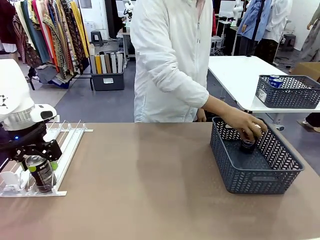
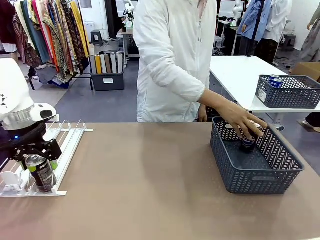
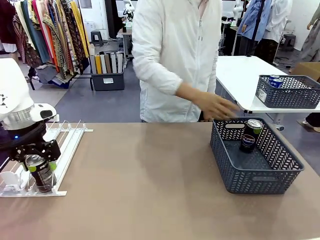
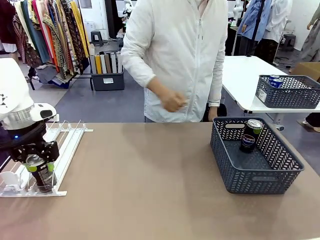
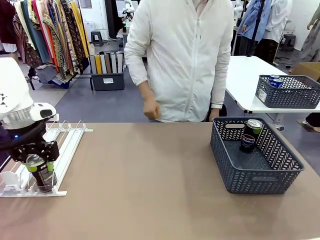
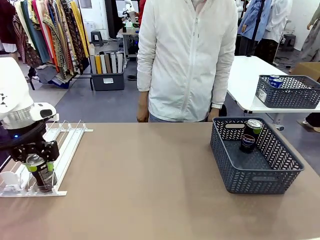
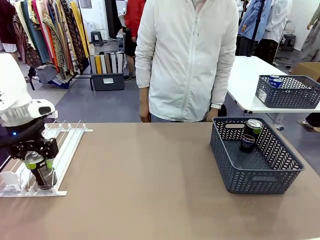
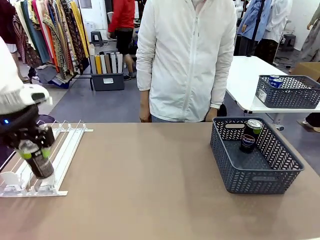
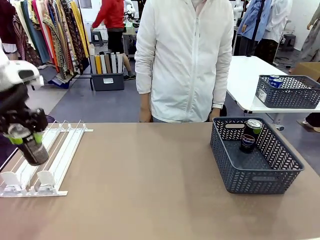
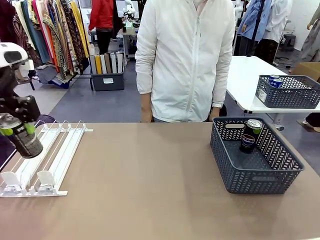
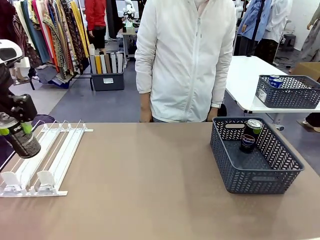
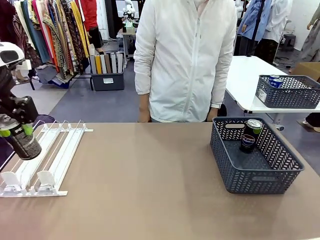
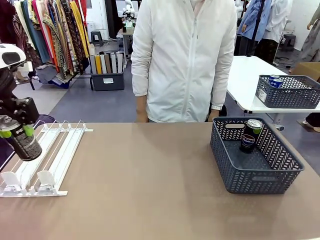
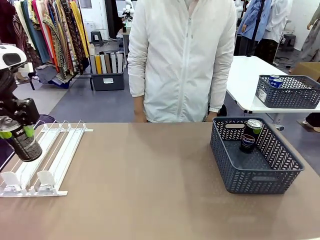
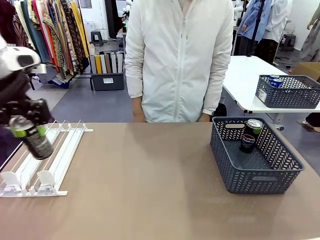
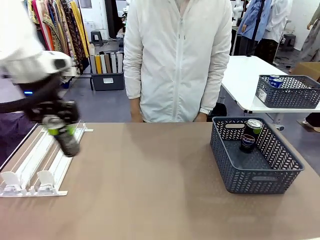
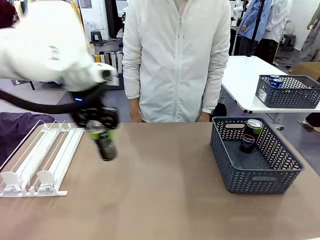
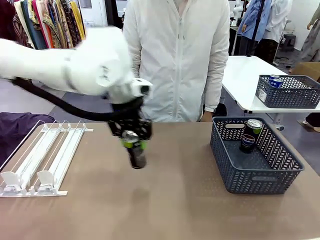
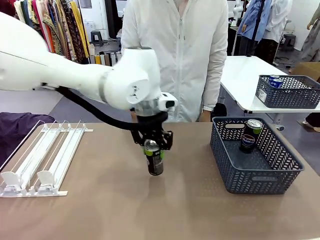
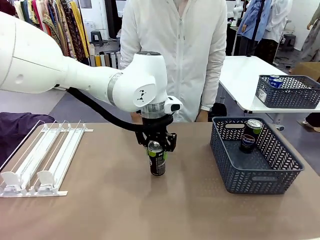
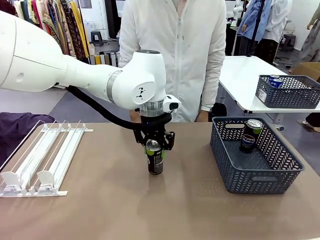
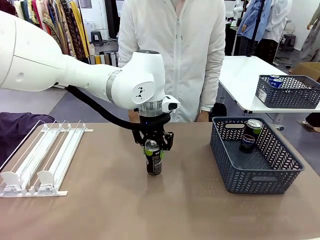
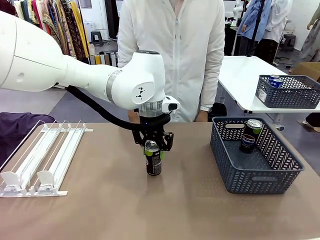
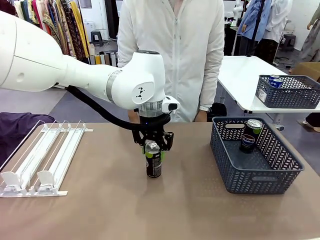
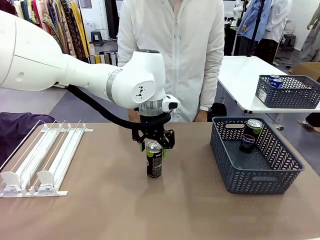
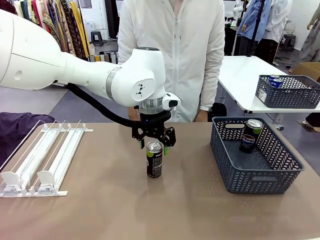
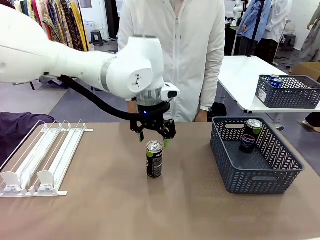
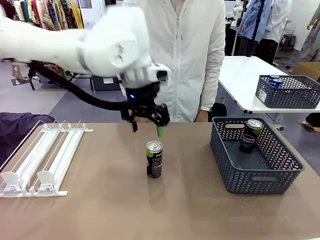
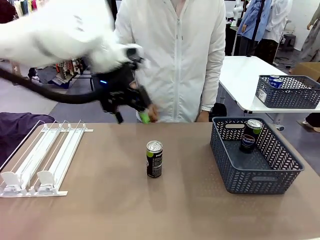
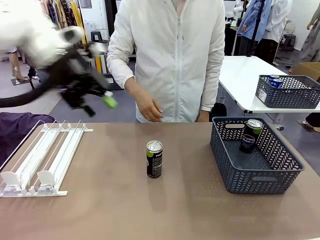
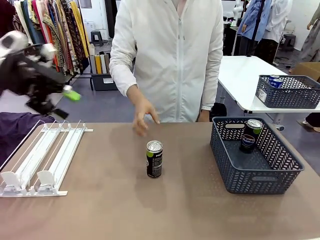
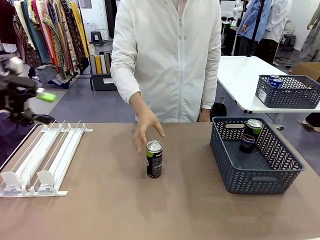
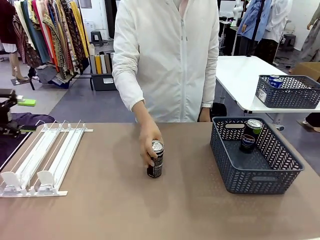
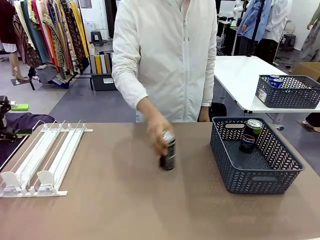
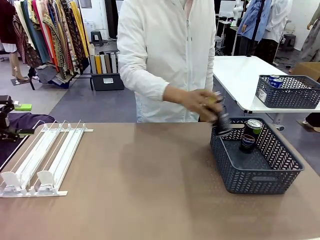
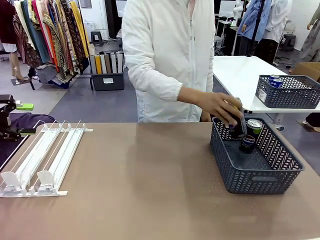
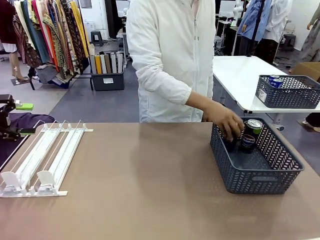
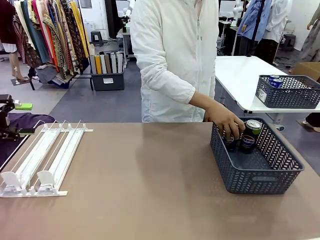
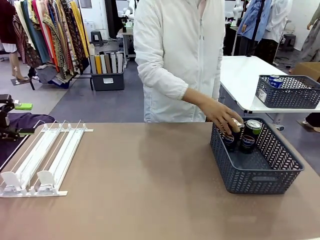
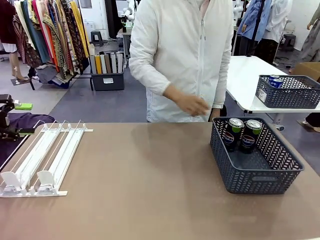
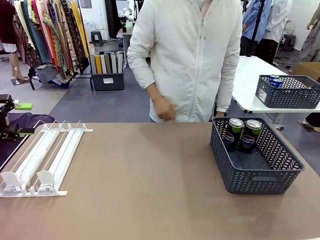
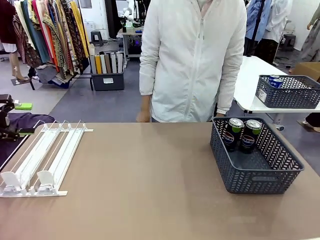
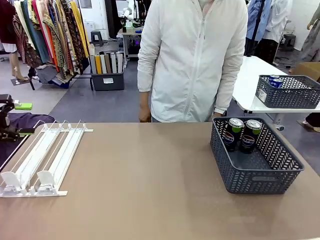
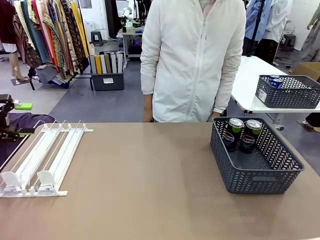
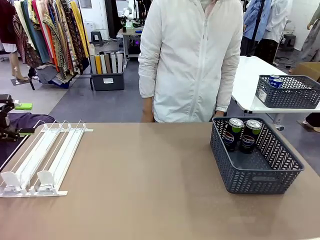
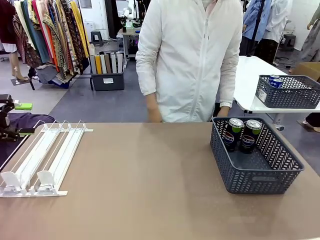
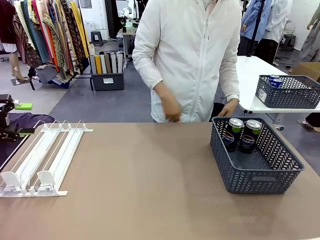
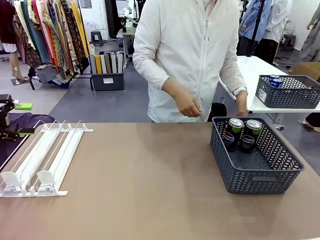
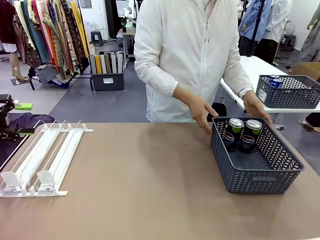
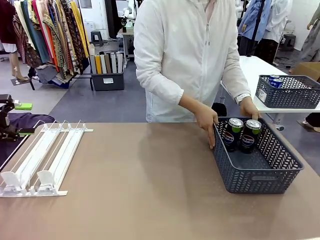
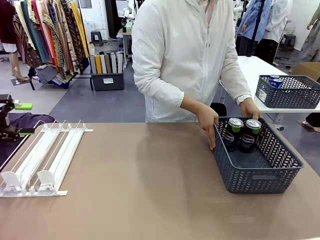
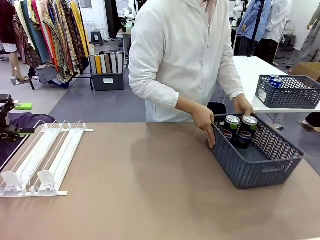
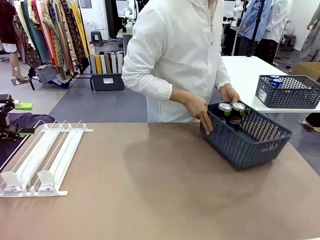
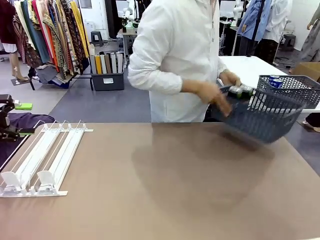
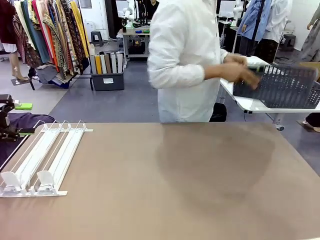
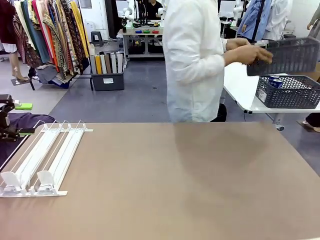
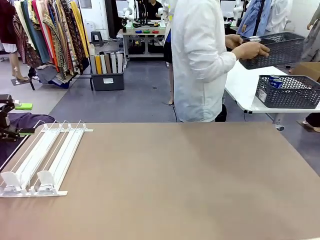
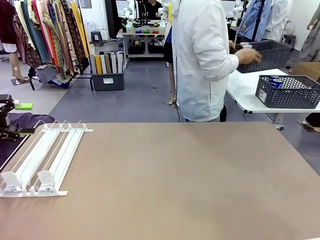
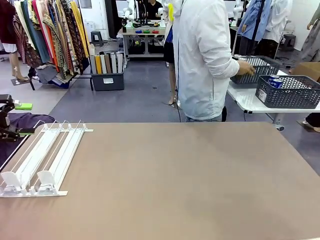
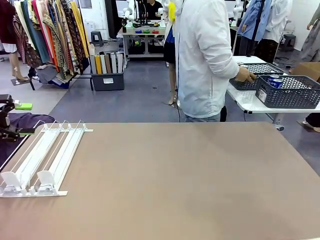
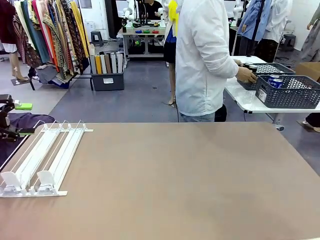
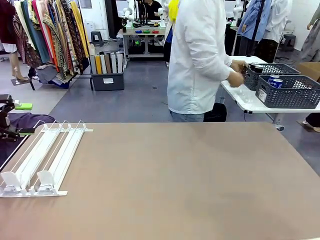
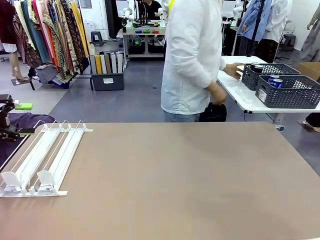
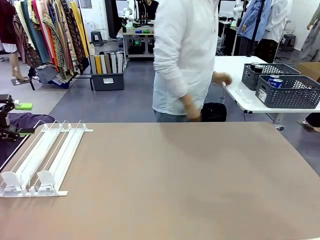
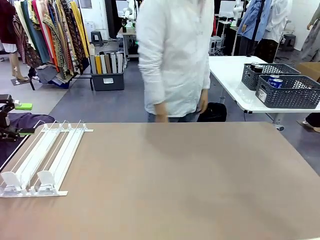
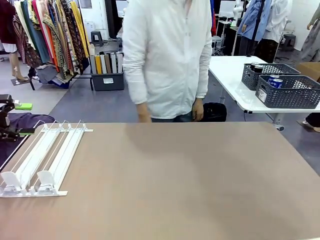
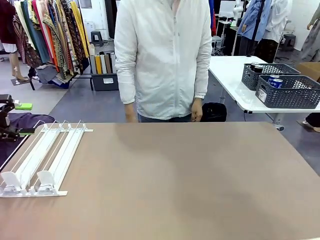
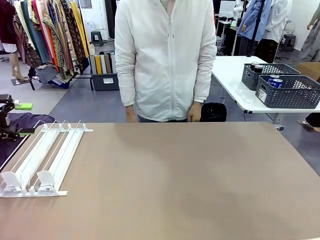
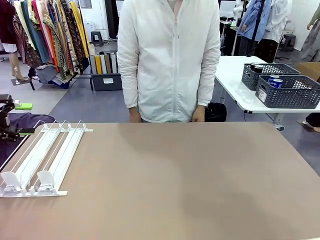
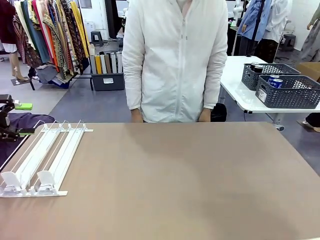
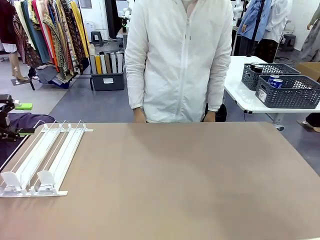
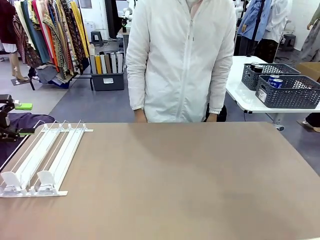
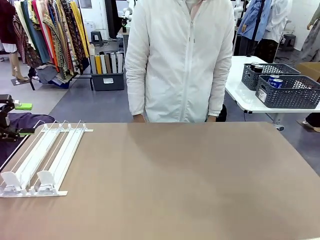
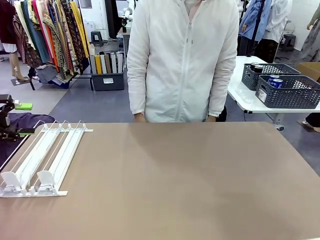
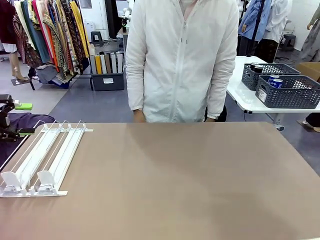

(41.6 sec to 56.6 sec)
Task: Retrieve and store the cans from the dispenser.
Robot: Pick up one can from the Automatic Can Dispenser and place it in the middle of the table.
Person: Pick up one sports drink can from the middle of the robot table and place it in the basket. Pick up the basket and place it in the middle of the human table.

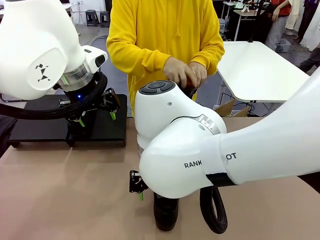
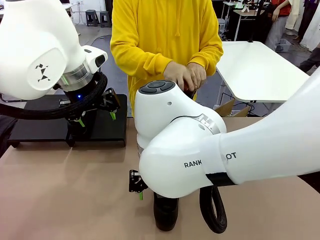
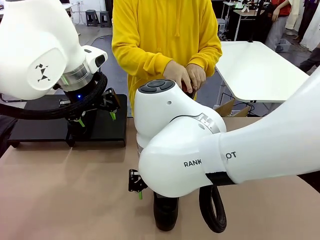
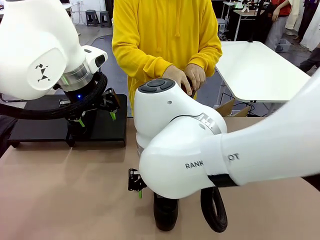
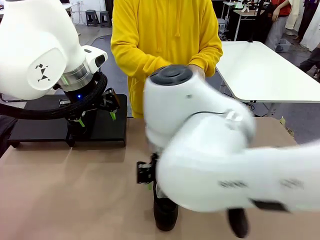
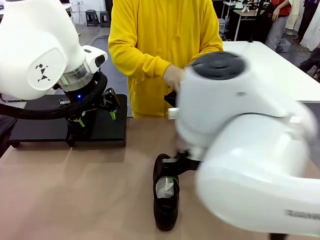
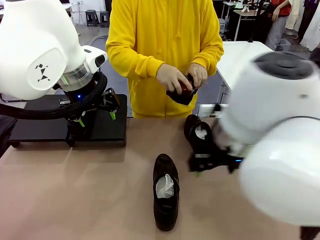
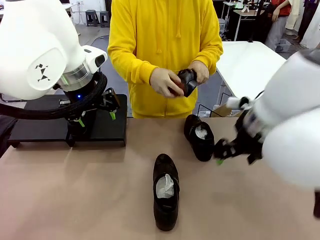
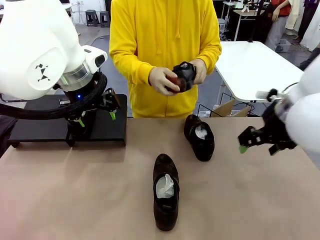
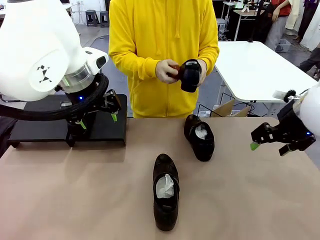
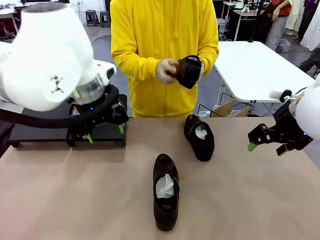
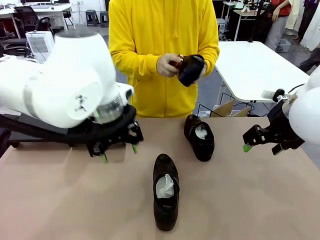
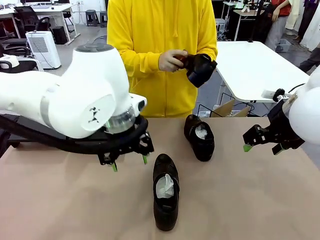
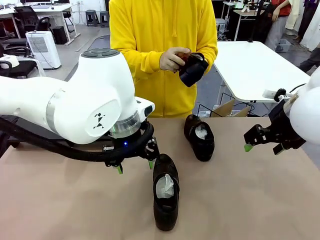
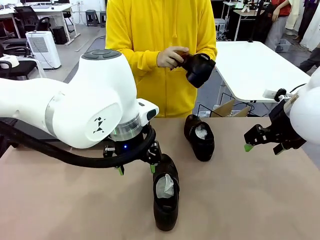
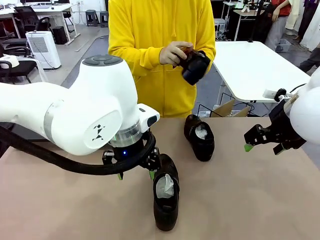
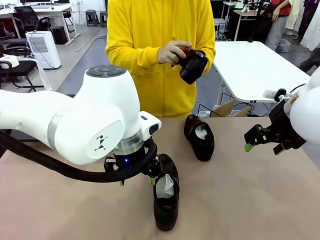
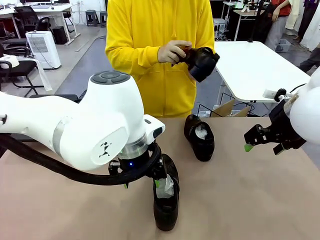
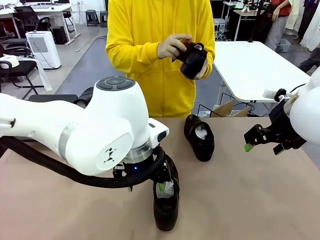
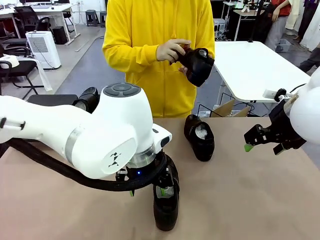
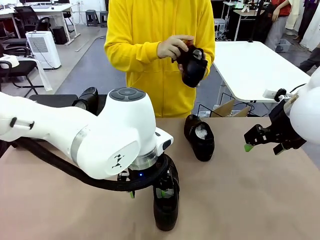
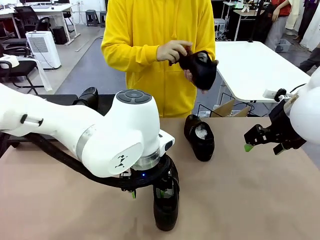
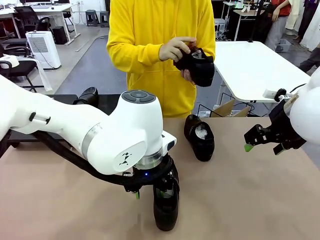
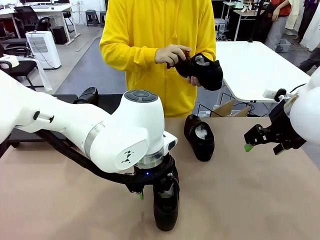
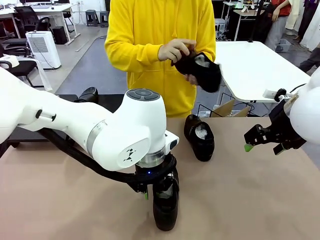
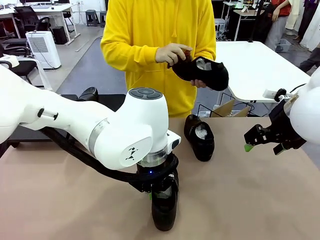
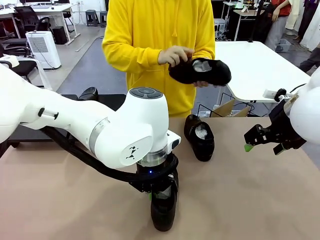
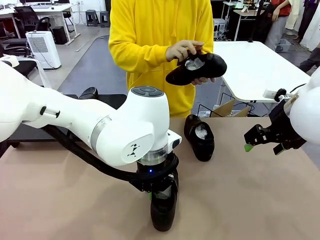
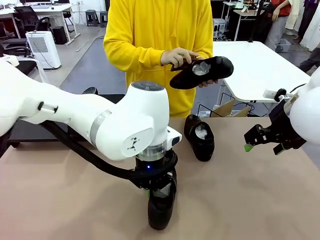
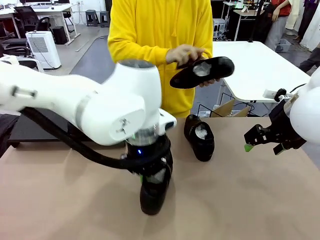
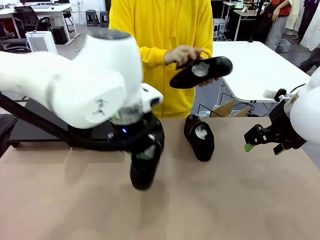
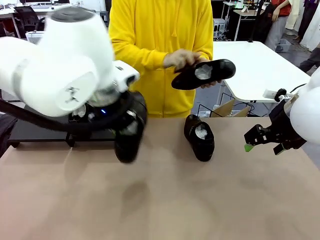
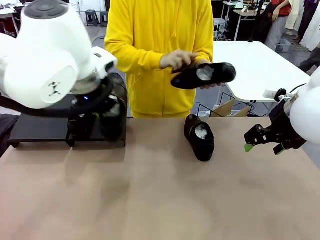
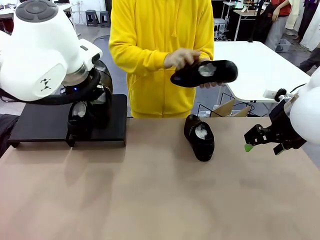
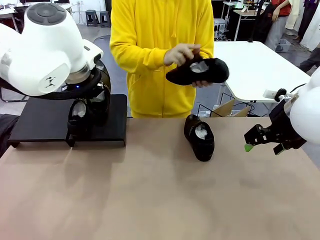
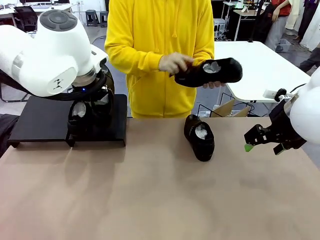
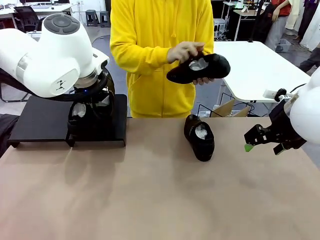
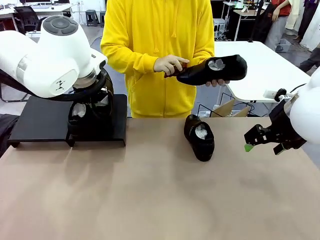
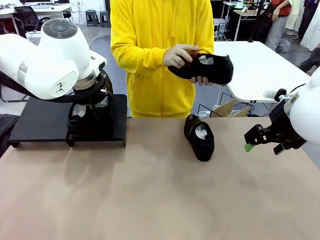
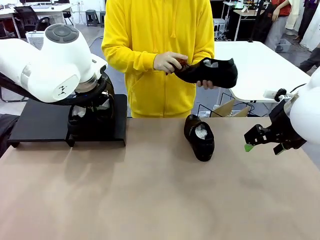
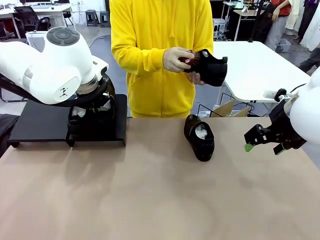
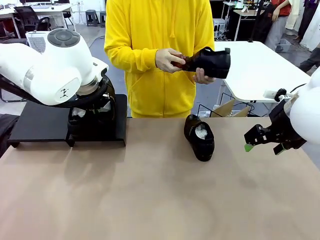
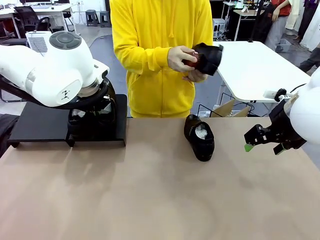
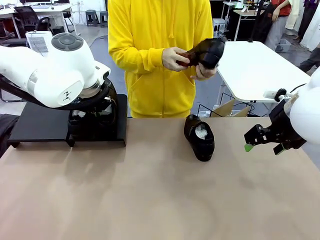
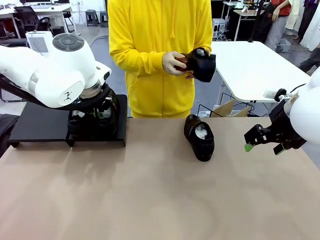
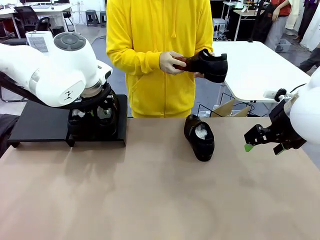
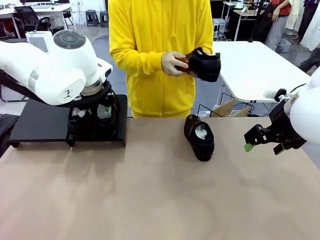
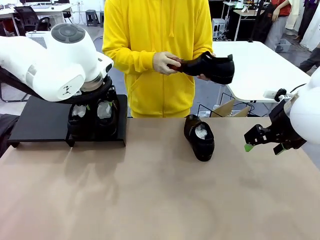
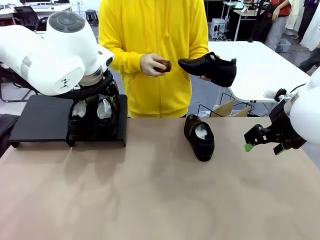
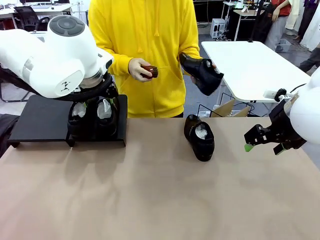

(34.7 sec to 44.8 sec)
Task: Organize the shoes by placing them on the stand.
Robot: Place the Shoe from the middle of the table onto the Shoes Stand.
Person: Clean the Shoe with the Shoe Brush.
